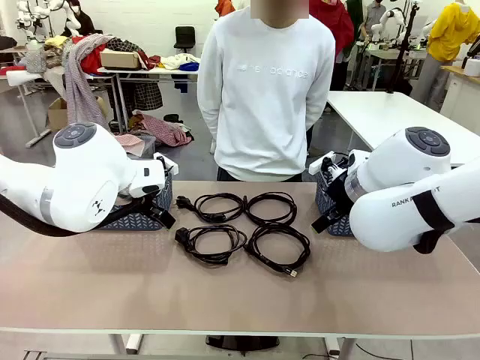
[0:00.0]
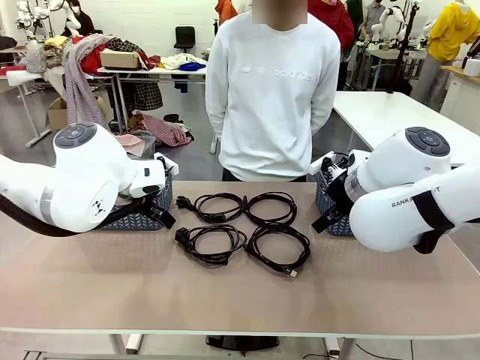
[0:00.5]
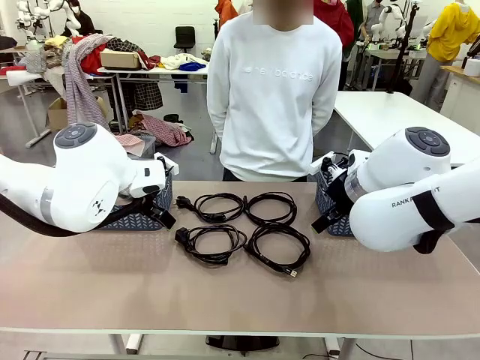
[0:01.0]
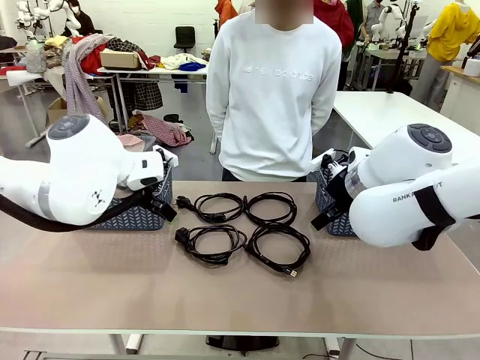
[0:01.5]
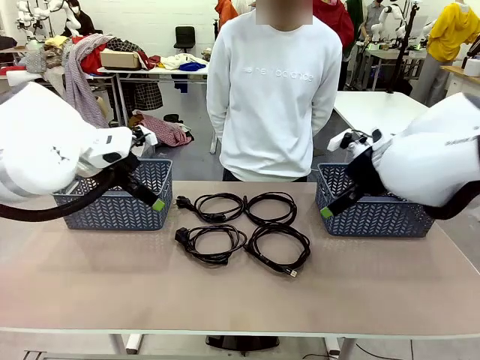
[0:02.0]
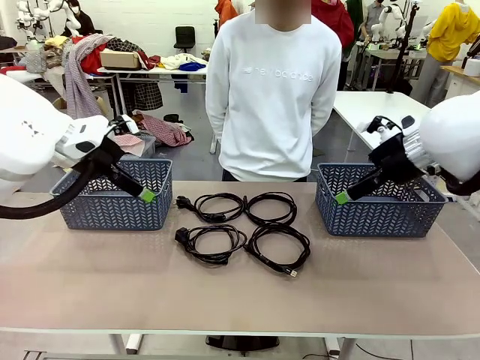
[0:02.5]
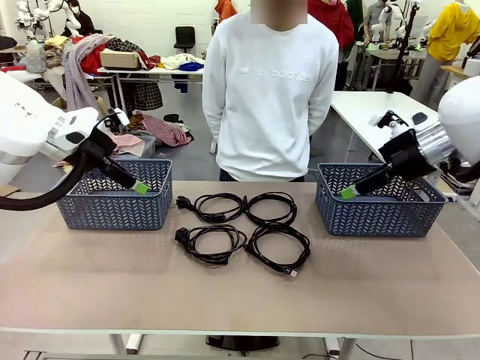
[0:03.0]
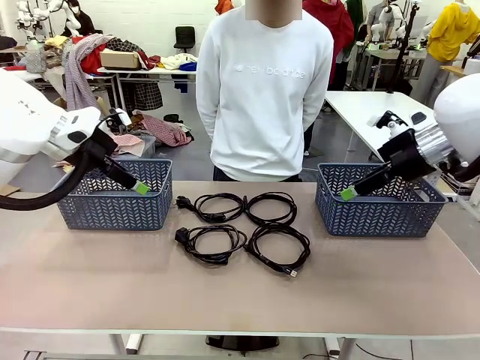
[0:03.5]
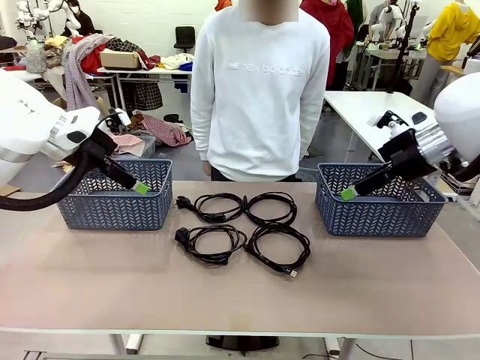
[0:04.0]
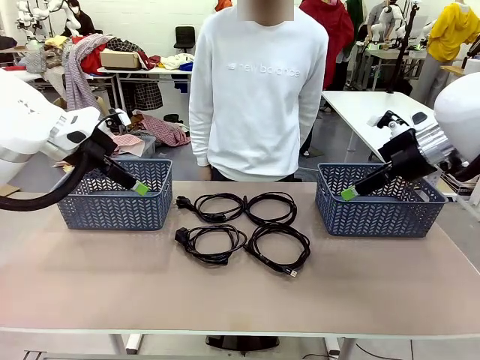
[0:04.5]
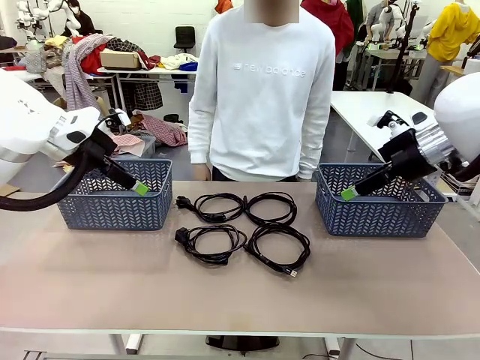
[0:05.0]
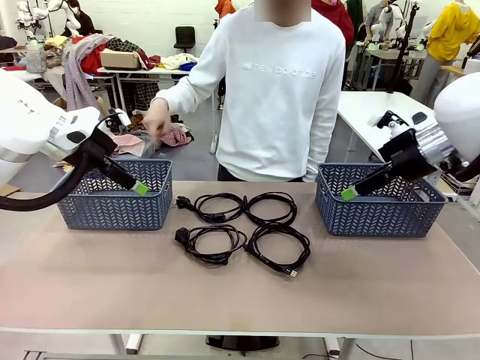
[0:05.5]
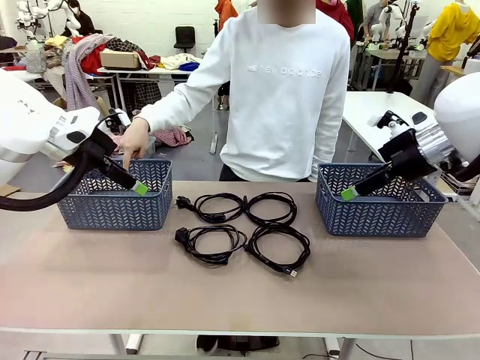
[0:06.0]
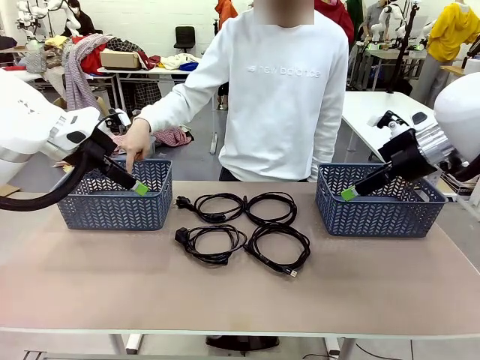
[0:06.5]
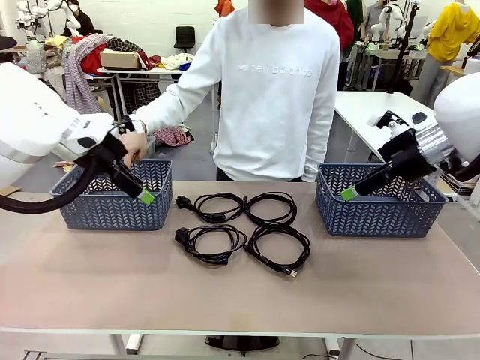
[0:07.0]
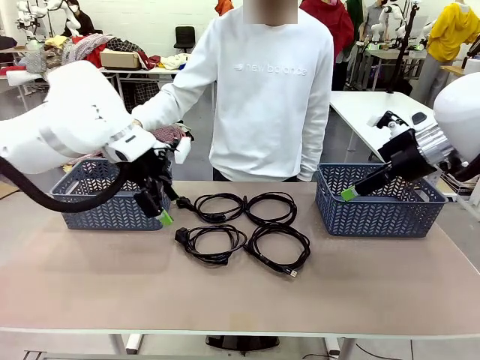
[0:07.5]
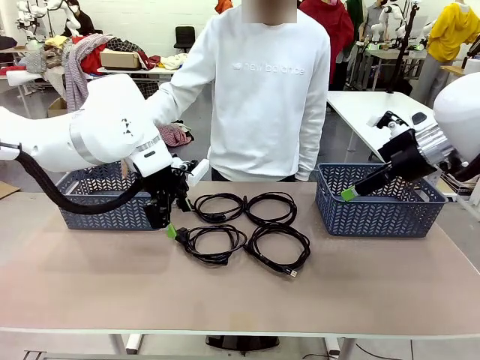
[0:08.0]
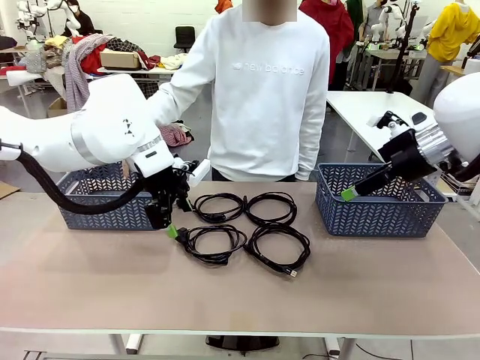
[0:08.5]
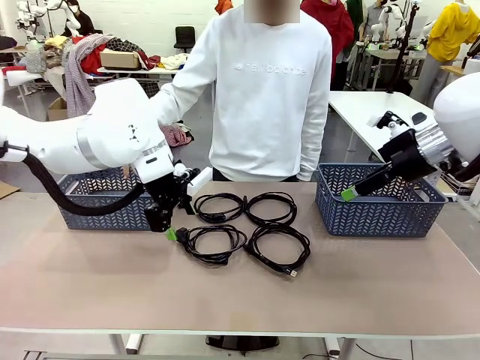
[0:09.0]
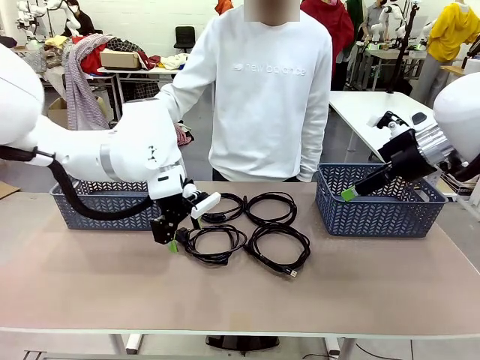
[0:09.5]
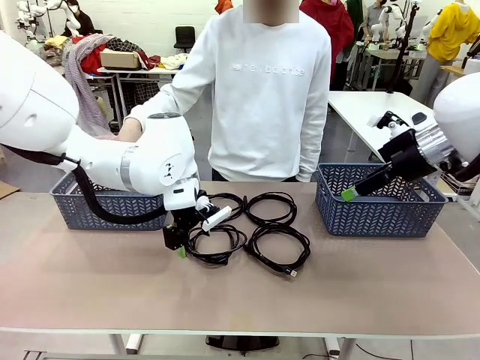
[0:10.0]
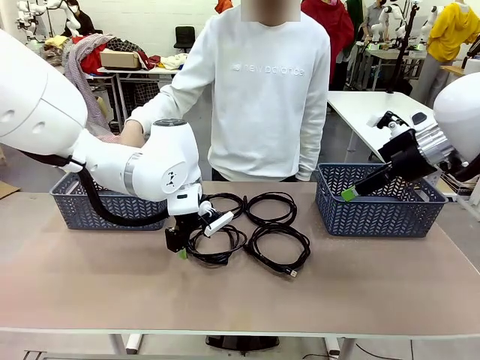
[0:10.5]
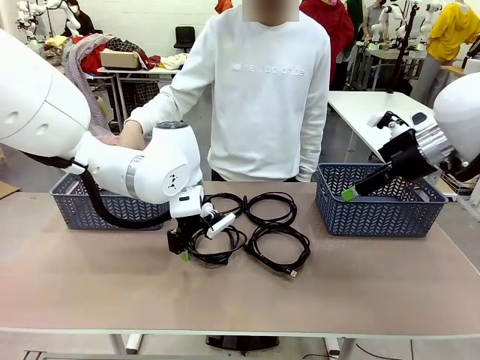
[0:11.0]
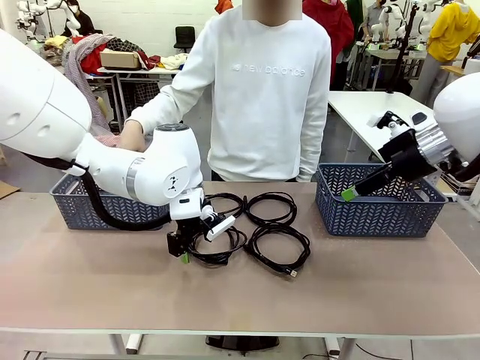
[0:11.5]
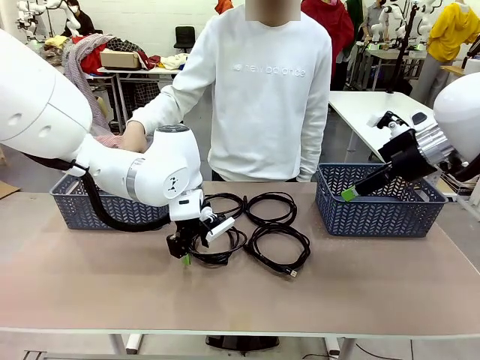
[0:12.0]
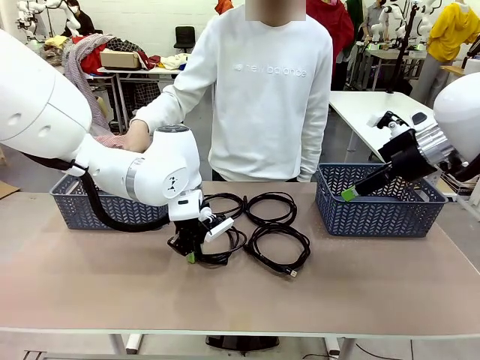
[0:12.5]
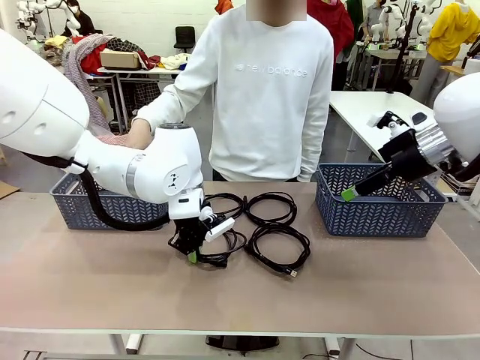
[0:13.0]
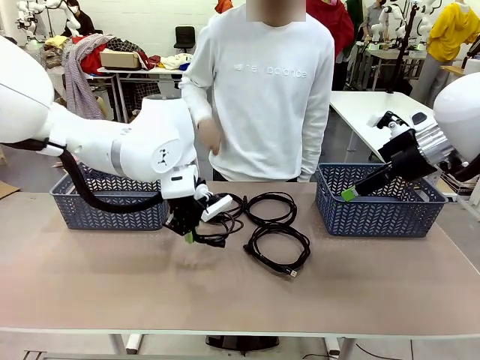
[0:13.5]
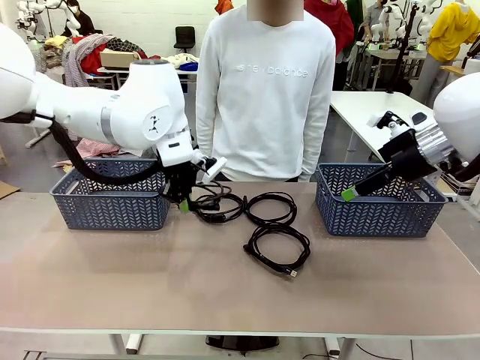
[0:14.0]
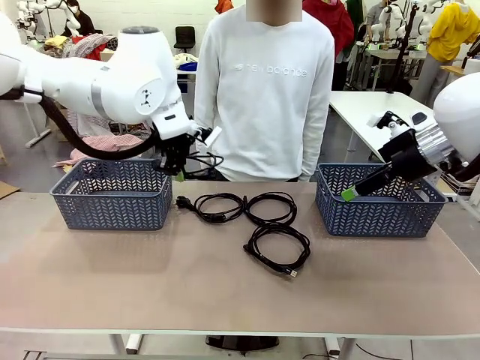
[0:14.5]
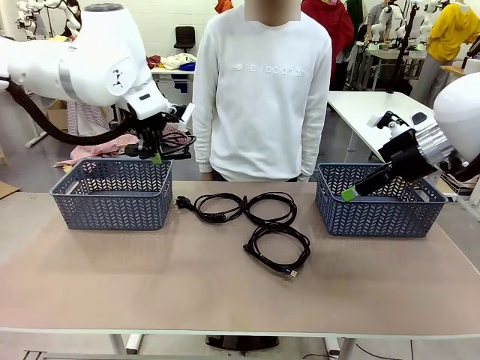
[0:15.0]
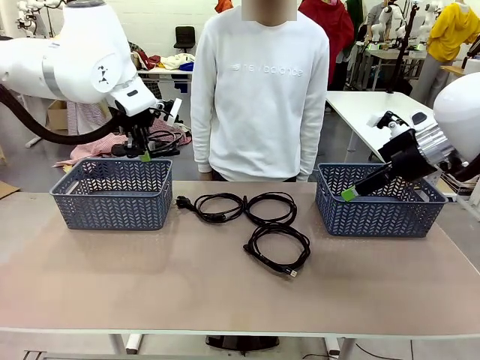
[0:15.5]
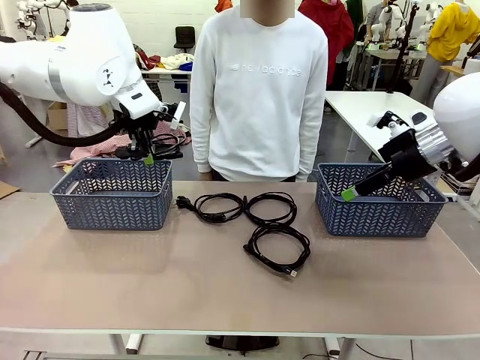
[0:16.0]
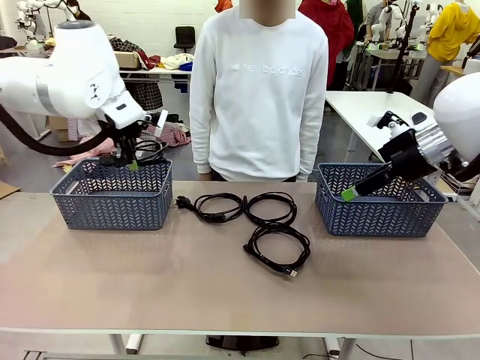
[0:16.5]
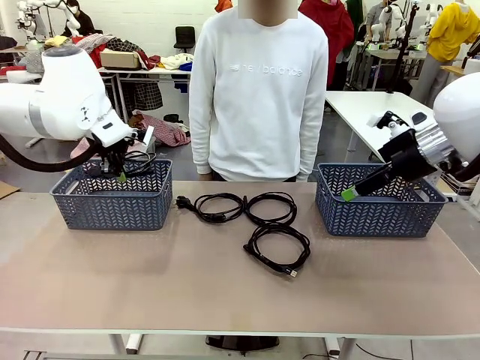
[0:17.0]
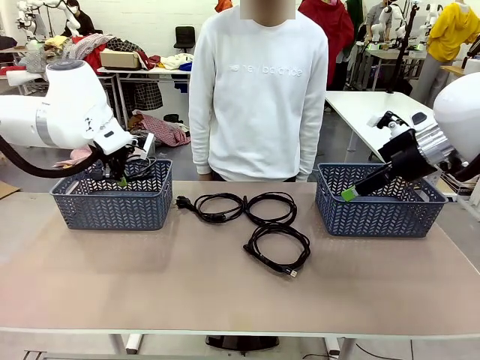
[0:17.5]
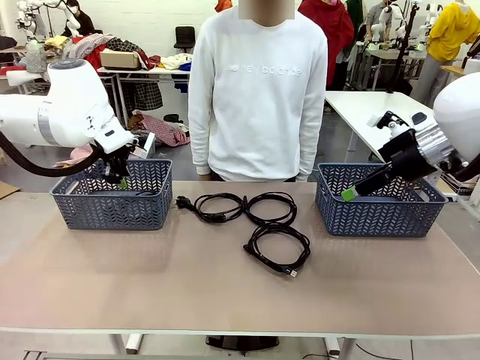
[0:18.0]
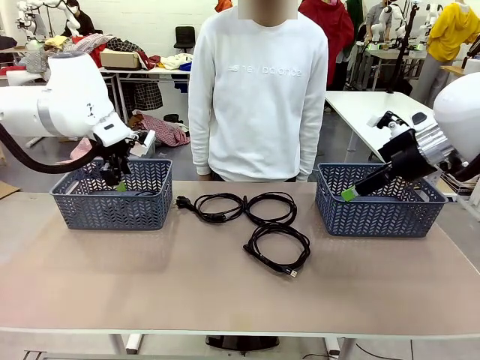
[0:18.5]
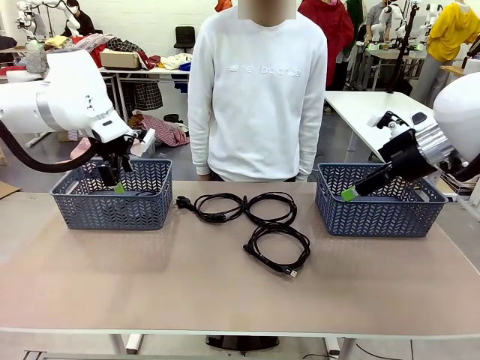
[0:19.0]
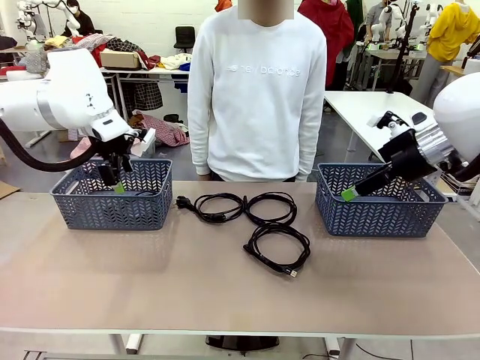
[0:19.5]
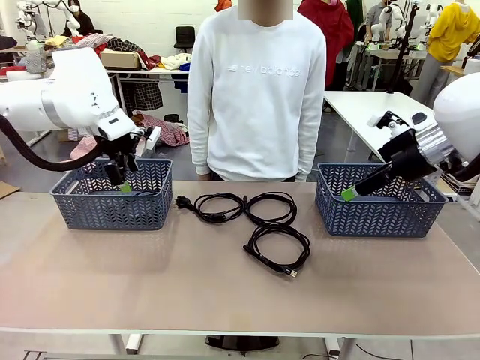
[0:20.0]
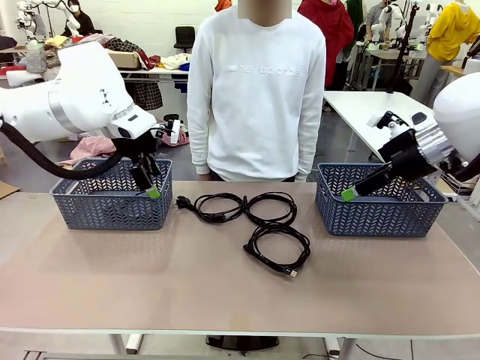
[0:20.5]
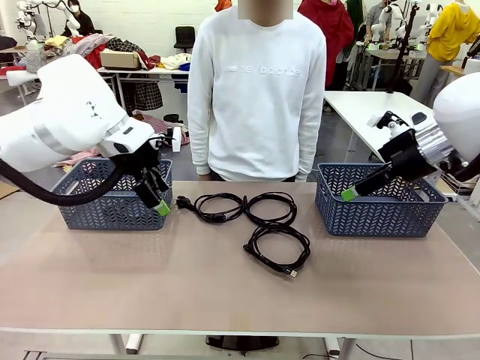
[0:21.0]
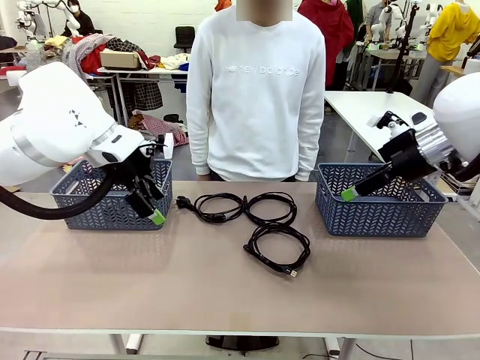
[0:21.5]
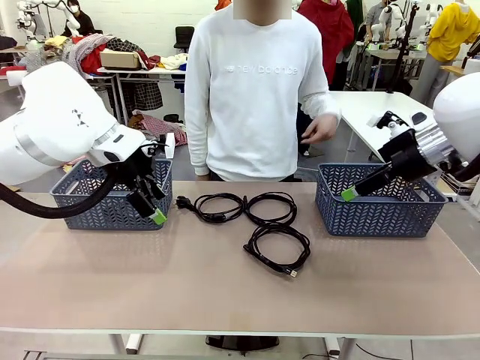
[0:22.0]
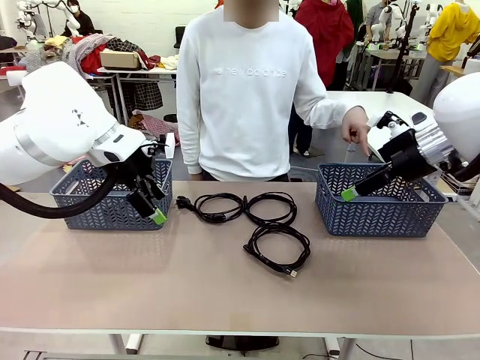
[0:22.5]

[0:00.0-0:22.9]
Task: Organize the cables according to human instructions.
Robot: Pick up a bundle of cables and place it in the basket indicated by the human.
